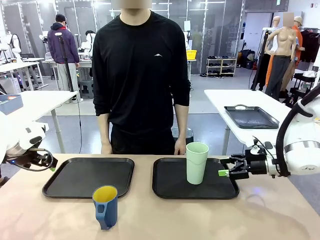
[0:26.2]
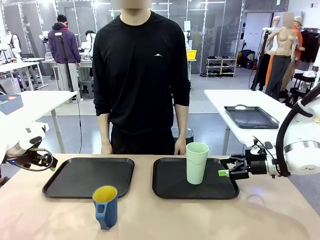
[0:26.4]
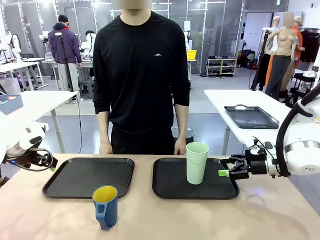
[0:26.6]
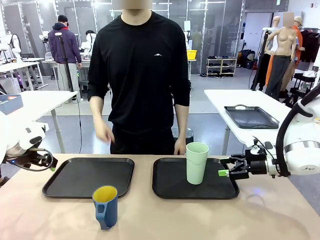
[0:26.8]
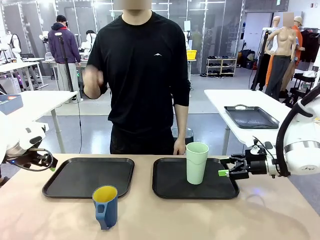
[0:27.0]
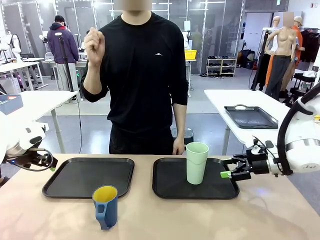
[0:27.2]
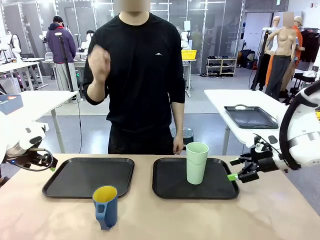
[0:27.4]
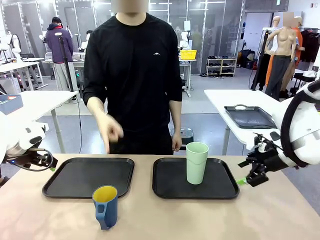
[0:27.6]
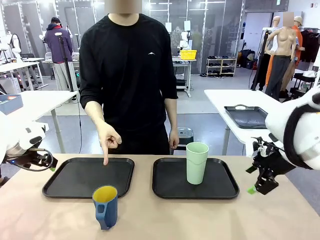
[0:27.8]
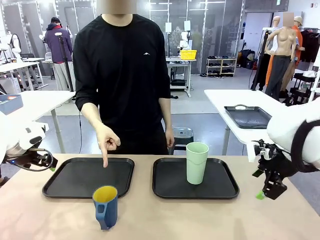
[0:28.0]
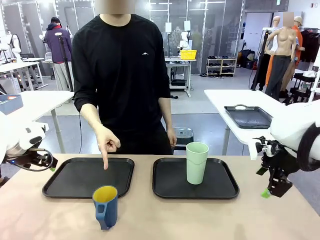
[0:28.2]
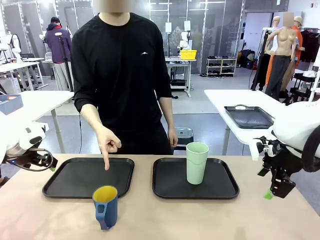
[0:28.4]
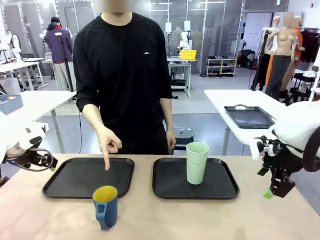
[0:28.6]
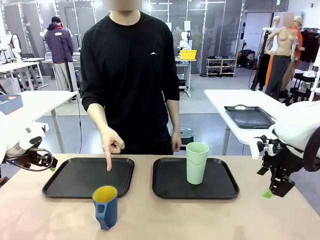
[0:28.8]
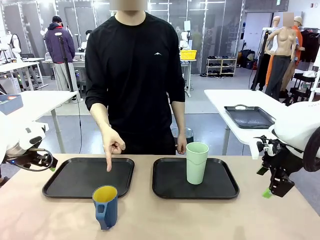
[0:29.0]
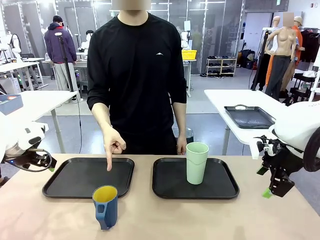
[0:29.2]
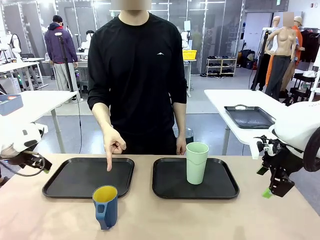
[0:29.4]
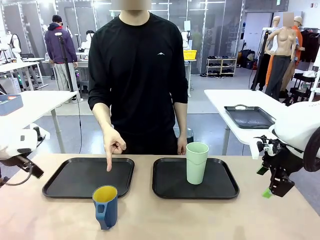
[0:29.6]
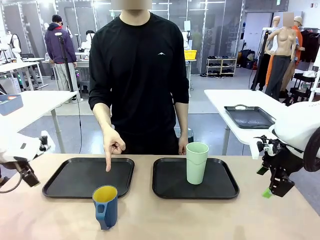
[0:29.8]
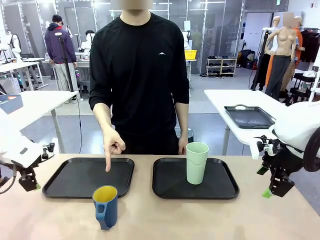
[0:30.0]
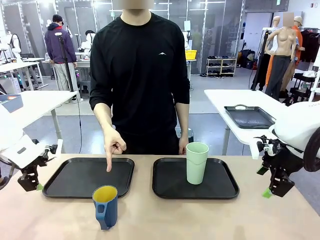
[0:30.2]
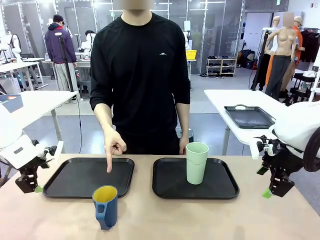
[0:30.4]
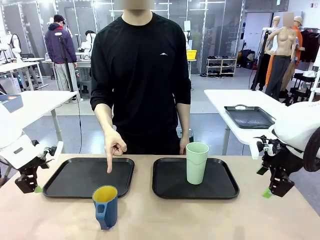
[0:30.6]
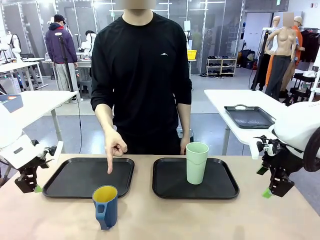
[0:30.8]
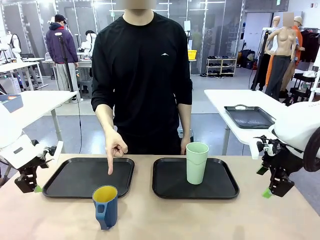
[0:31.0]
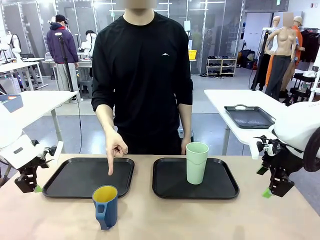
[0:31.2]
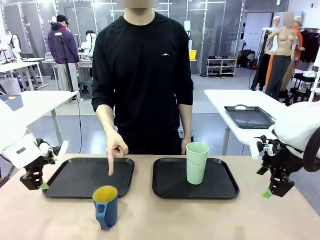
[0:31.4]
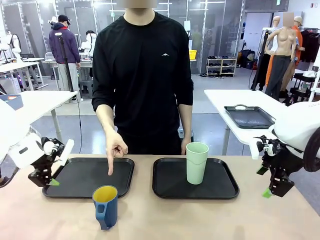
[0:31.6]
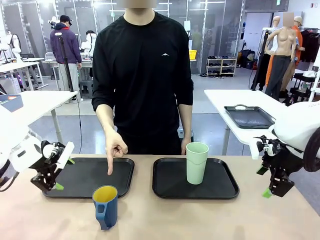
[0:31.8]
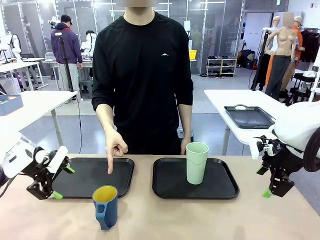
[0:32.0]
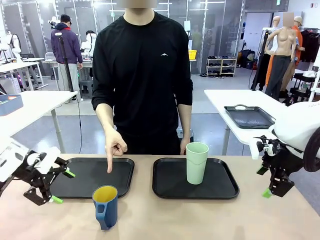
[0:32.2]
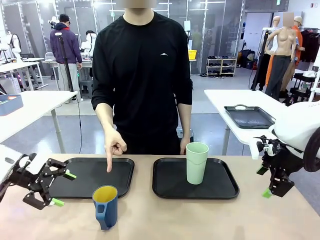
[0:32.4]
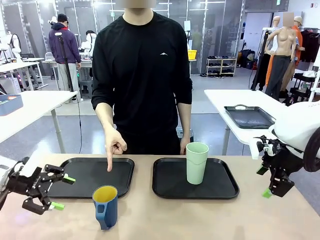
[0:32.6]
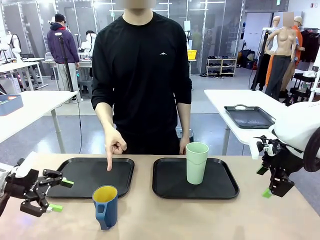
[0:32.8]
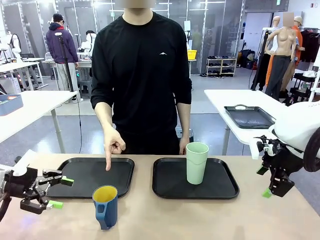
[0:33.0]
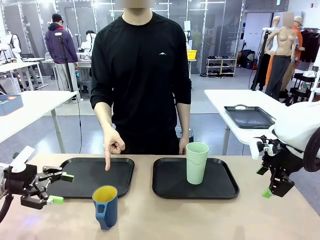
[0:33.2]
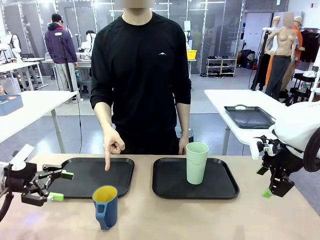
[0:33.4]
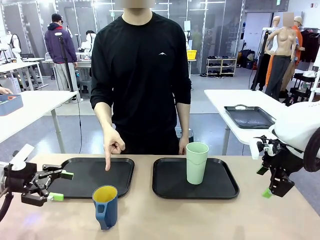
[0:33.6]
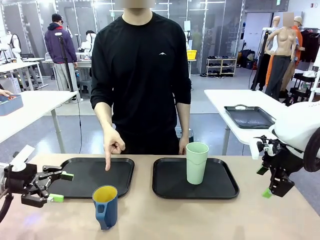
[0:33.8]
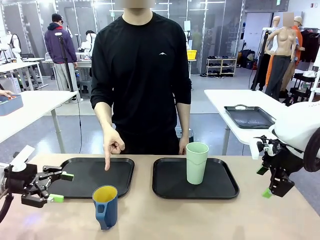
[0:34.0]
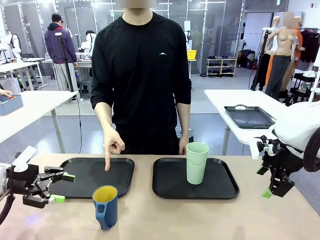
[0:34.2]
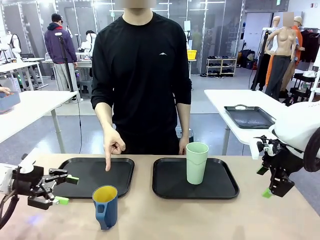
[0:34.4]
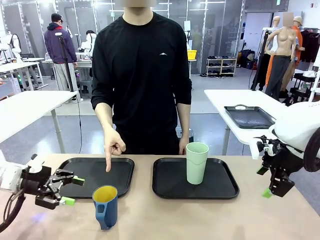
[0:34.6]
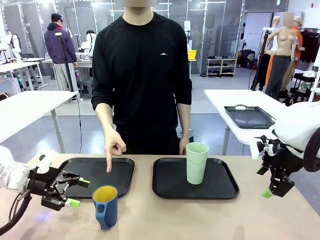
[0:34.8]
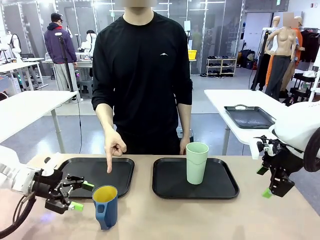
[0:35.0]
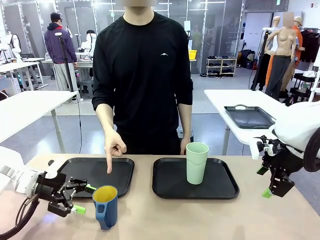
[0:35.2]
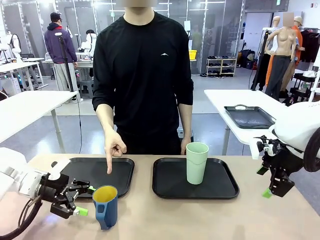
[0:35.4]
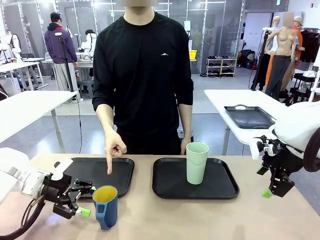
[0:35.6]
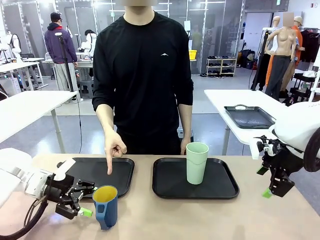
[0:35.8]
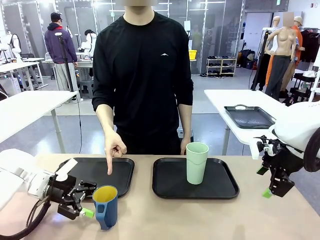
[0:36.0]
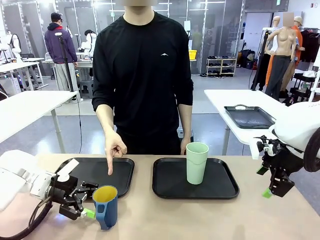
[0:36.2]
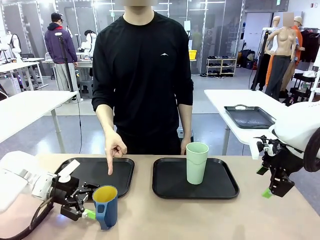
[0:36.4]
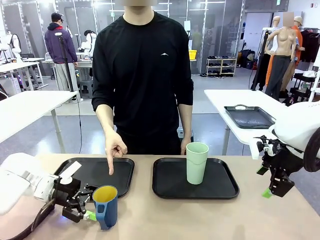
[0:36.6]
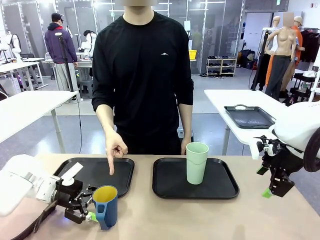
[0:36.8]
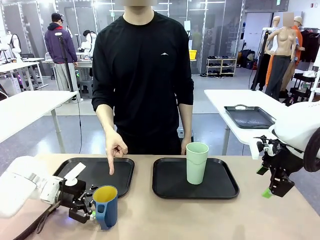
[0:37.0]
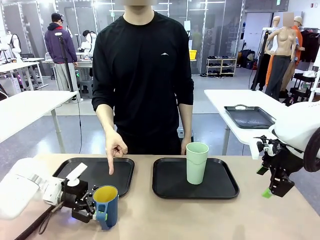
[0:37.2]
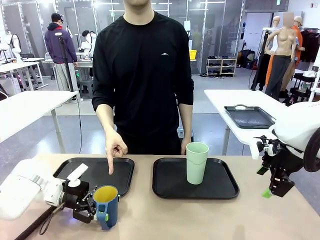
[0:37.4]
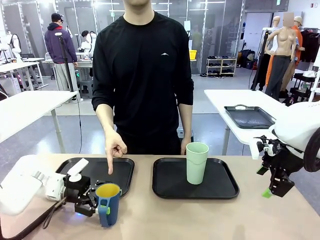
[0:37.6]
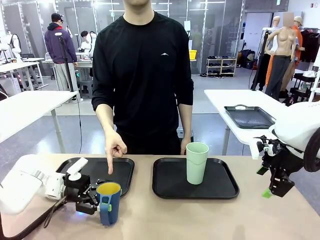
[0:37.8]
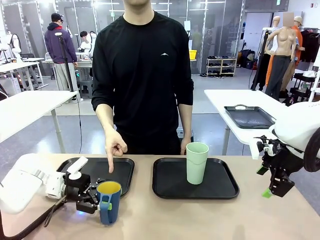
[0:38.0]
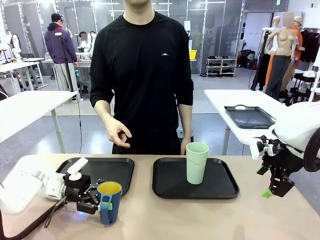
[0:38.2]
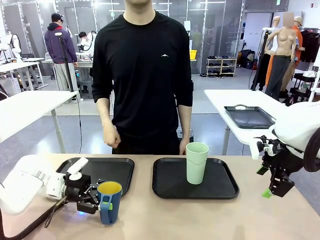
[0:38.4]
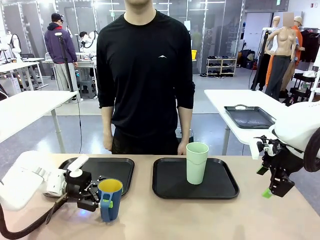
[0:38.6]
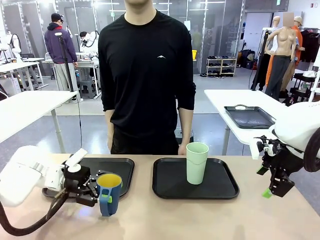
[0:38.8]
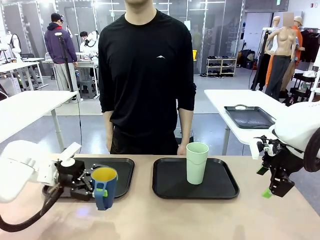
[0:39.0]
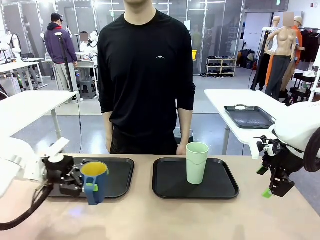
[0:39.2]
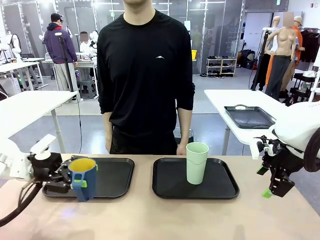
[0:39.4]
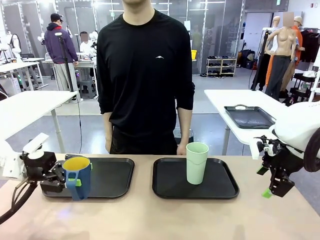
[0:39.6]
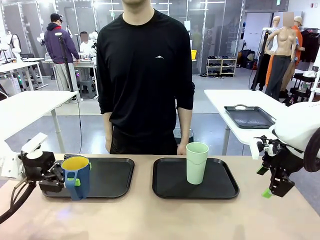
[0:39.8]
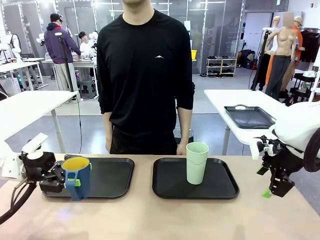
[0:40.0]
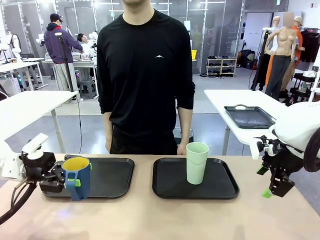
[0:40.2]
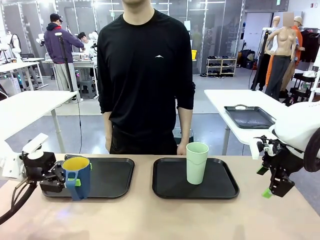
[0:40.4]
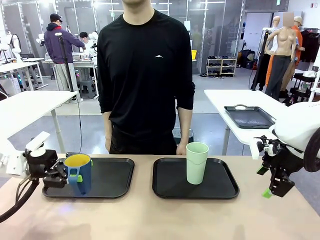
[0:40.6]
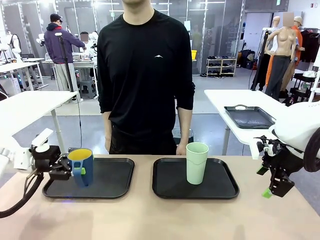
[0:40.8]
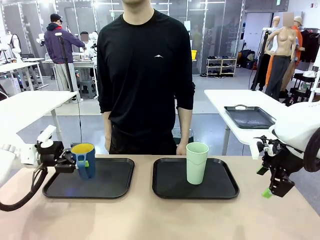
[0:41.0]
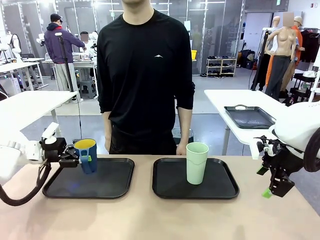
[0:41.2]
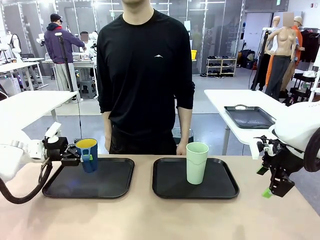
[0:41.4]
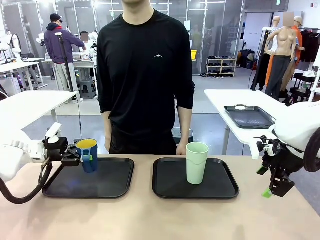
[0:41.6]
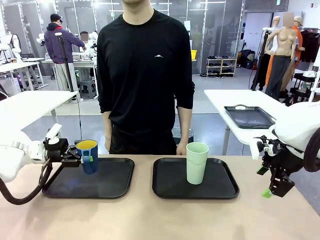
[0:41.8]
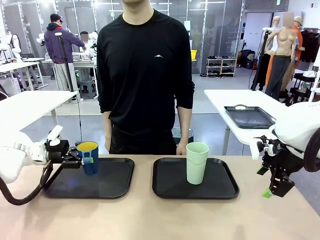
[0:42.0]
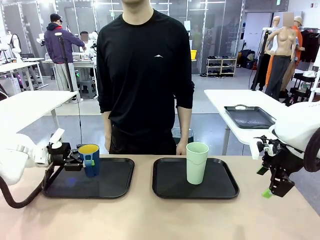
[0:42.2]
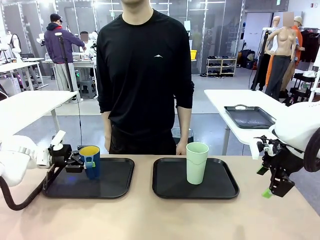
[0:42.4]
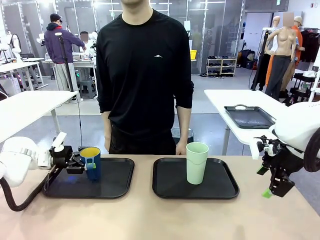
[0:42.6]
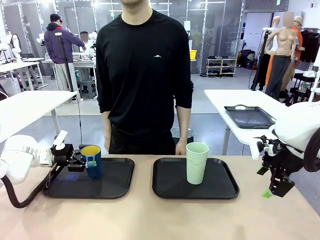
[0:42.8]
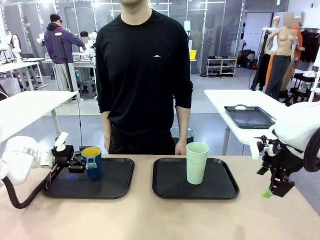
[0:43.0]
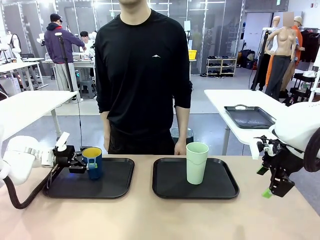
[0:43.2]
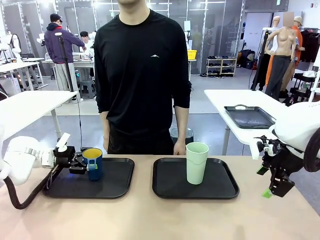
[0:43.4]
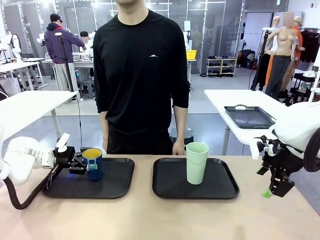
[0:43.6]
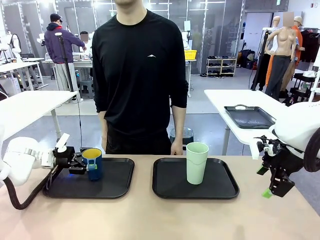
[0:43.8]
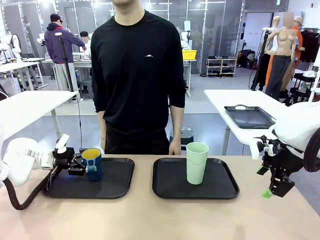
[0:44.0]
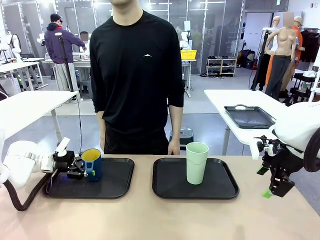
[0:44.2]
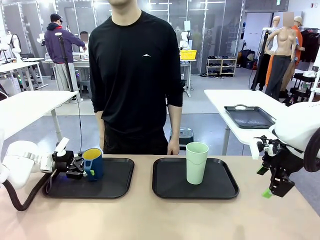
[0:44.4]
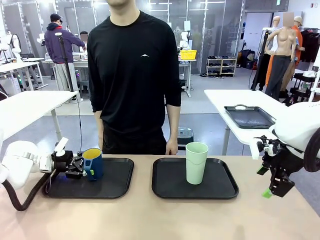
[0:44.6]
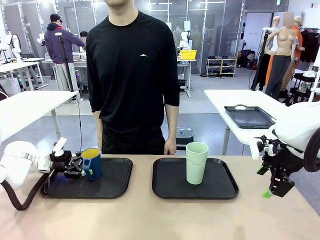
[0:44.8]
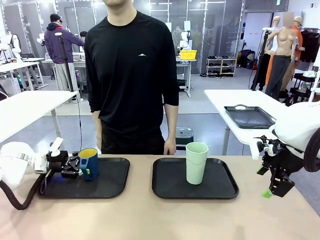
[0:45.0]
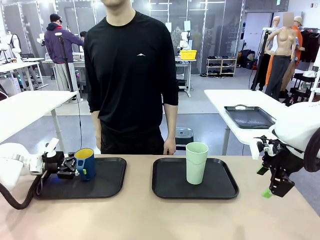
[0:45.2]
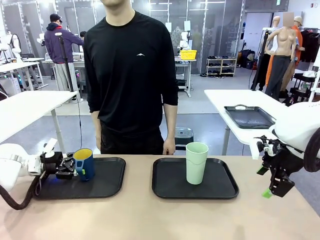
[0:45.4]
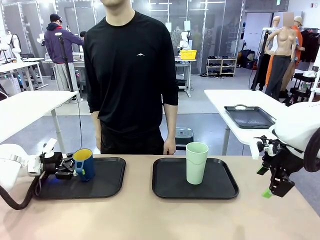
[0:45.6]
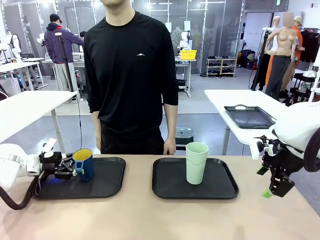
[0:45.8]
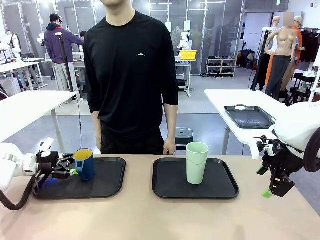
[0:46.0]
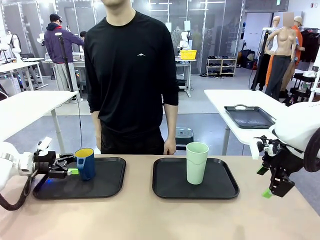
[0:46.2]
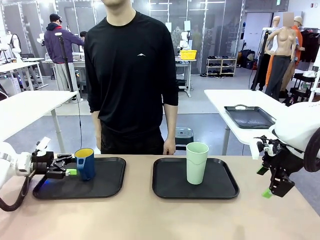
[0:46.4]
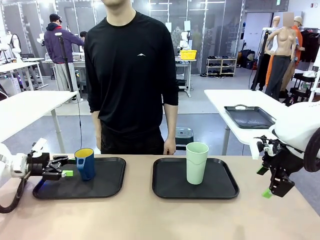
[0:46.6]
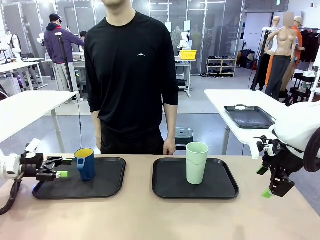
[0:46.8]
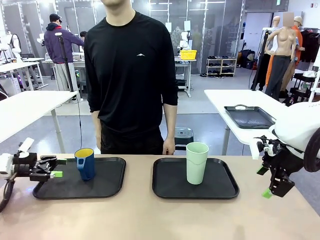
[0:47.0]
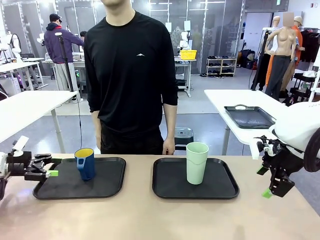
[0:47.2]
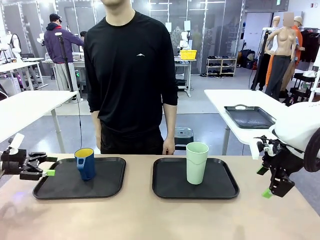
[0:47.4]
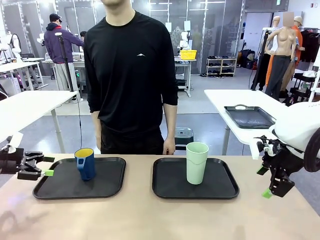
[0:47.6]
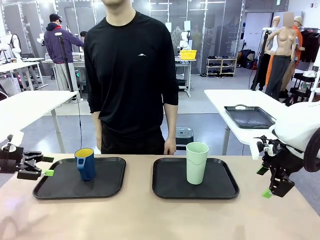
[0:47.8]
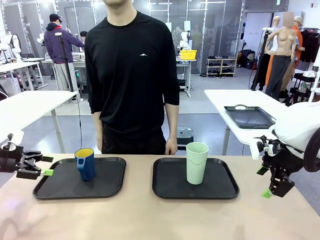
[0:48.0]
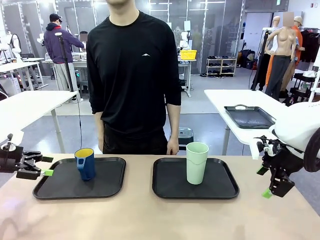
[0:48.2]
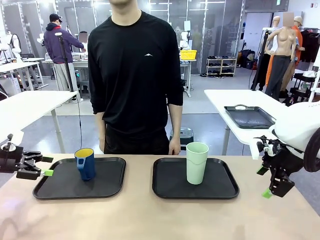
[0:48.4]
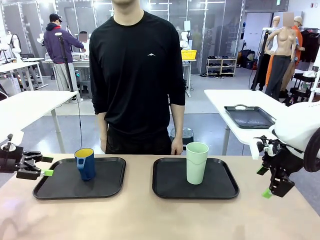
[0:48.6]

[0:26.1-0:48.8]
Task: Sort and store the cups by type.
Robot: Pick up the Handle plastic cup and place it into the empty Flat Tray.
Person: Points to the cup with a handle.
